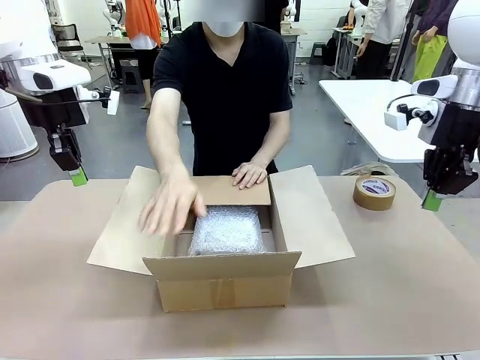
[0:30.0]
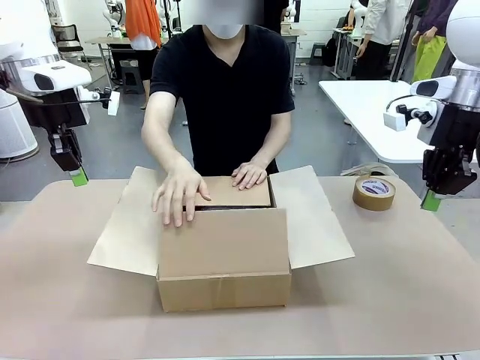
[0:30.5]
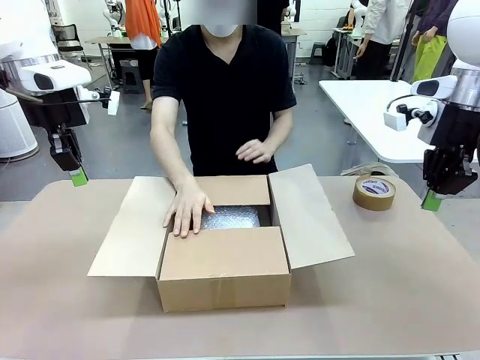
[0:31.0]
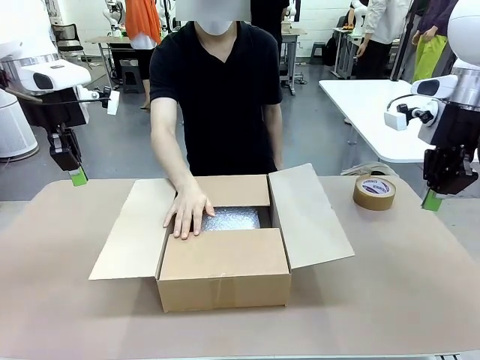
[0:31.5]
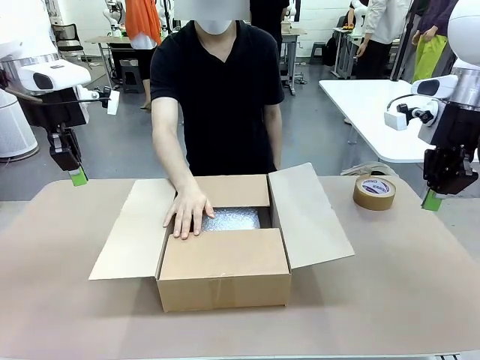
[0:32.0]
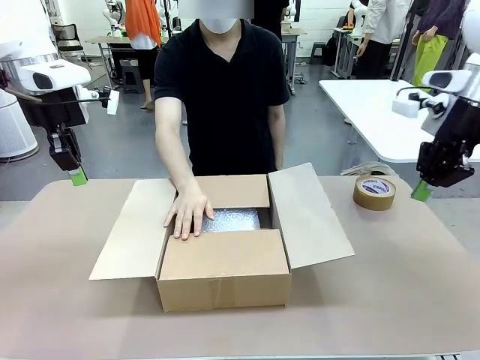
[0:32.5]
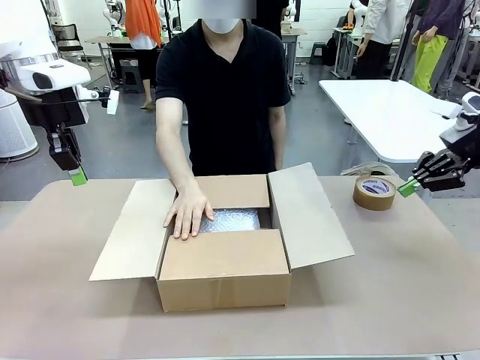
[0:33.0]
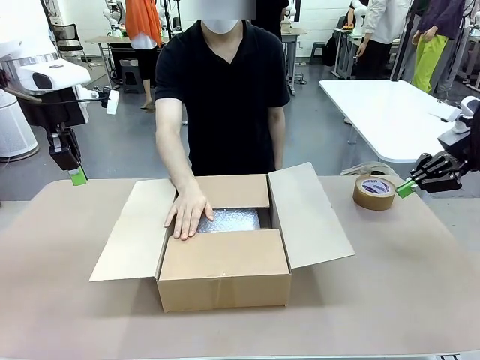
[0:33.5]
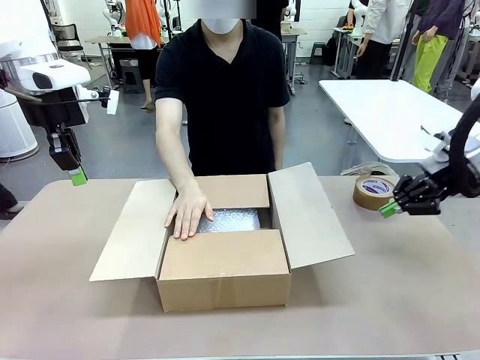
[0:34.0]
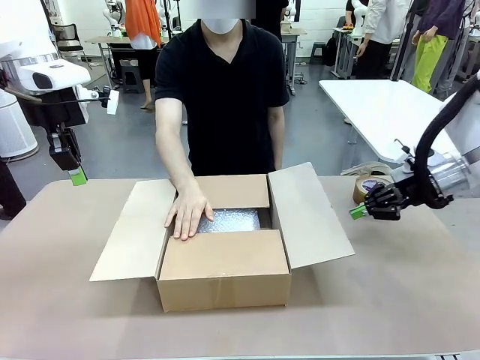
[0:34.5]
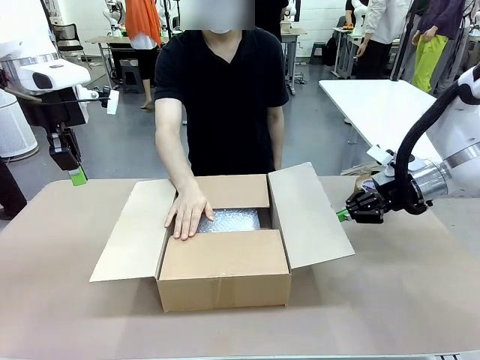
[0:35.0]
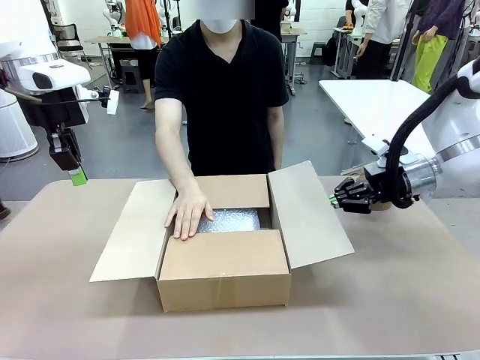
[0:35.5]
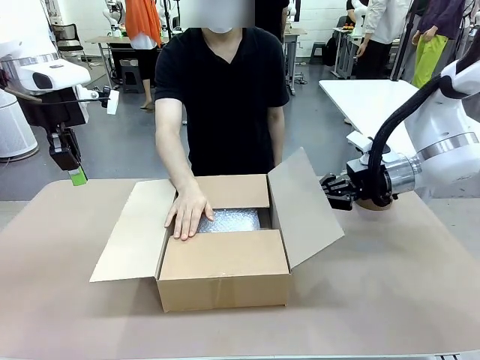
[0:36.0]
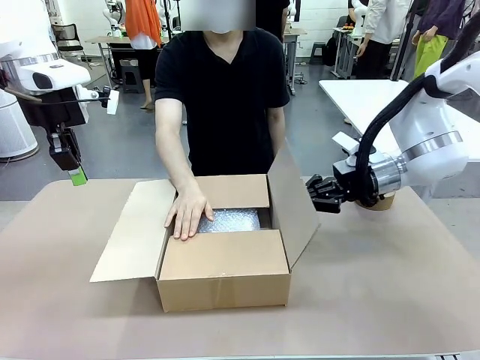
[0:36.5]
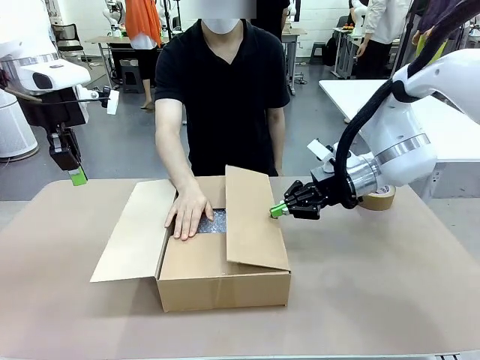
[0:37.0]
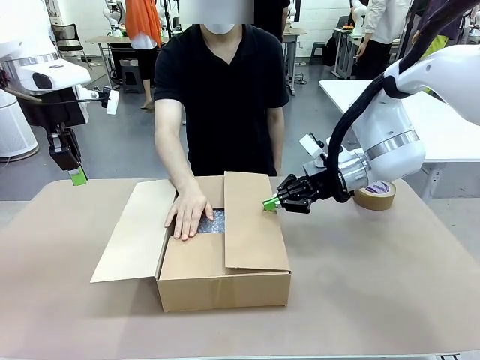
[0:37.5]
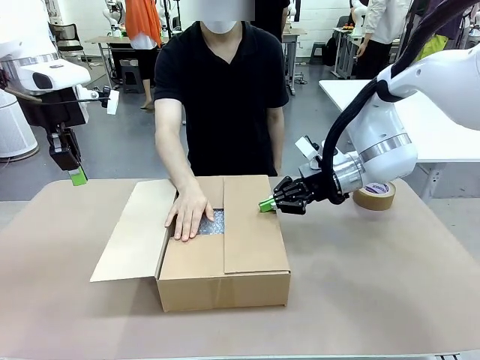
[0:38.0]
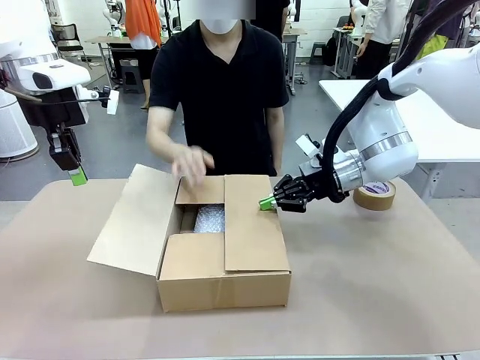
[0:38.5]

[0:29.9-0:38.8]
Task: Wrap the clocks to prevent damage.
Robot: Push the right (or left) flap of the Package Box to close it.
Person: Once the robot closes the right flap of the Package Box , release your left hand from the box.

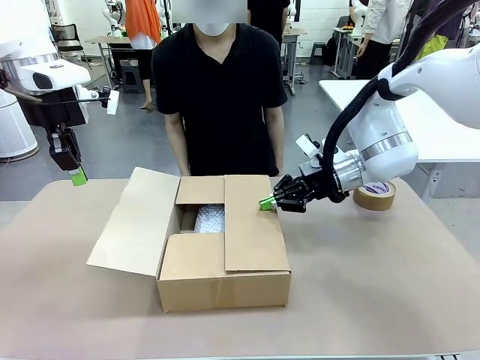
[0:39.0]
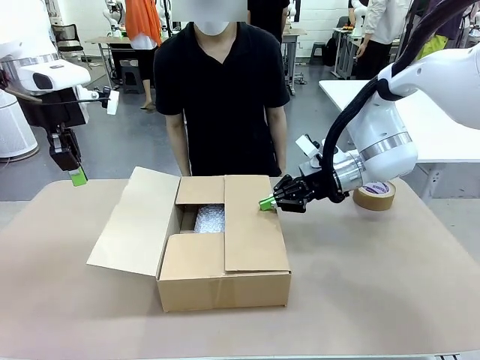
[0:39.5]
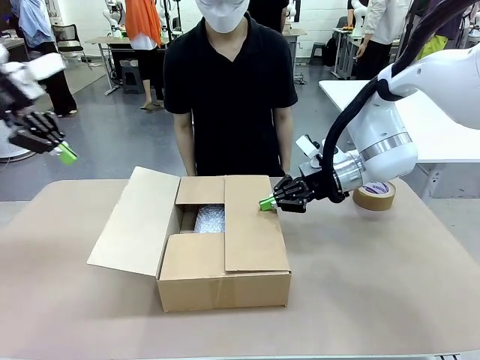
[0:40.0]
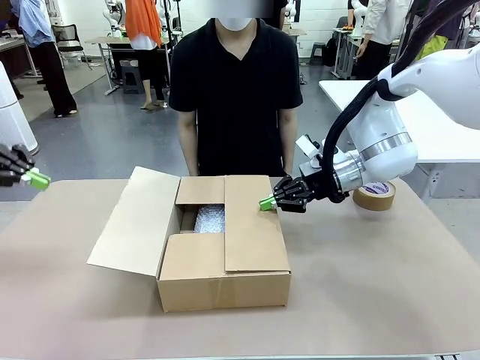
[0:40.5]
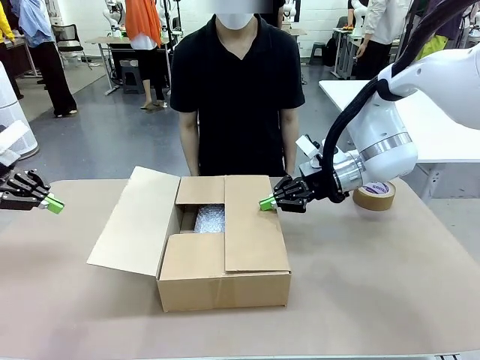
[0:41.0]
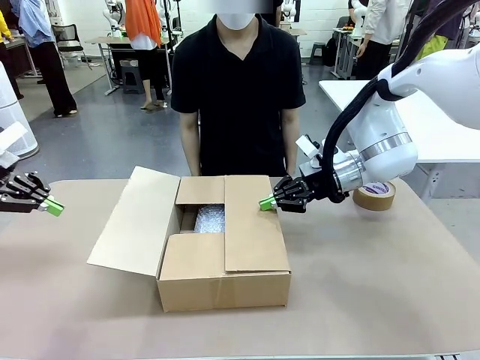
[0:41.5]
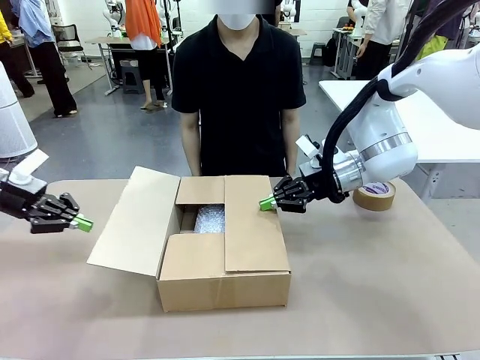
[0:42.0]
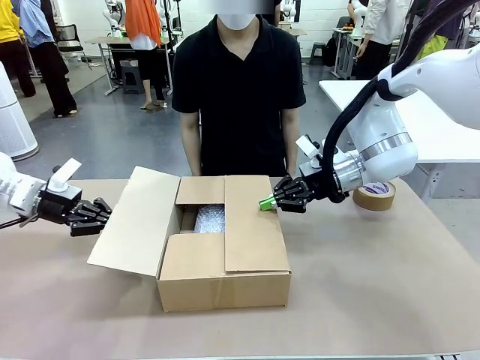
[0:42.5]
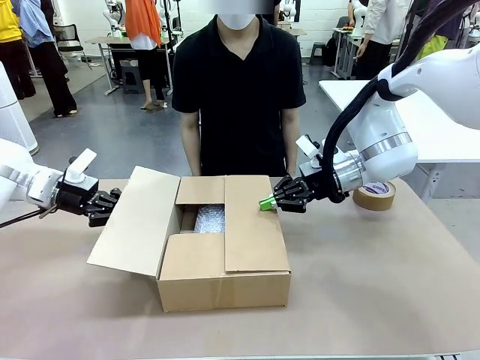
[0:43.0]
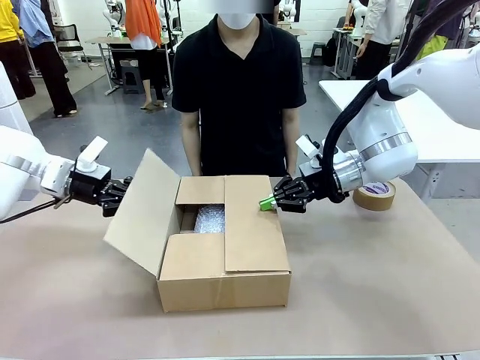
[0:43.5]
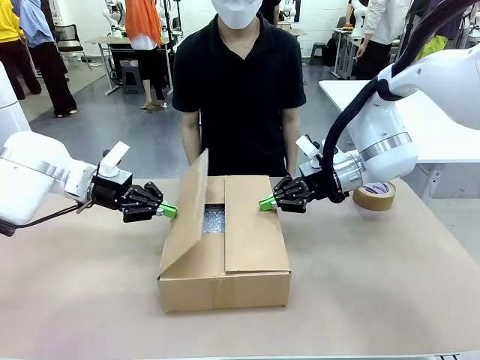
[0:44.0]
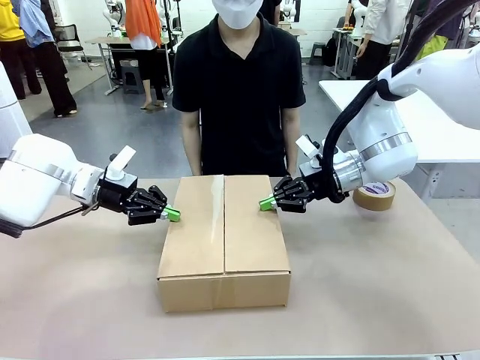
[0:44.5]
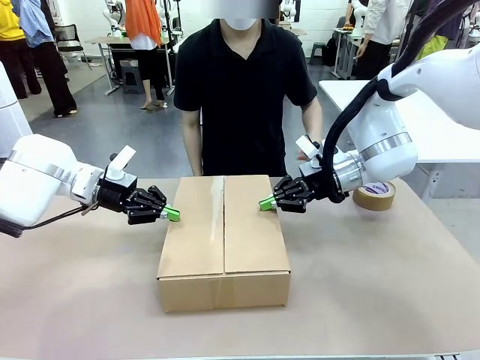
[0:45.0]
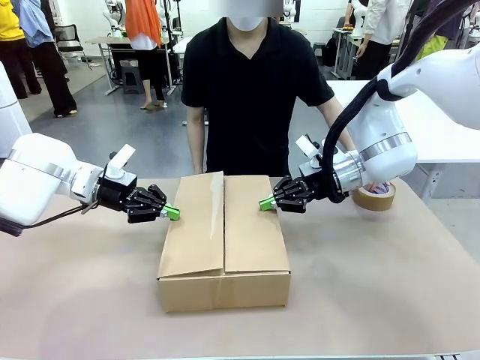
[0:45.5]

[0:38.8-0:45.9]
Robot: Push the left (or right) flap of the Package Box to close it.

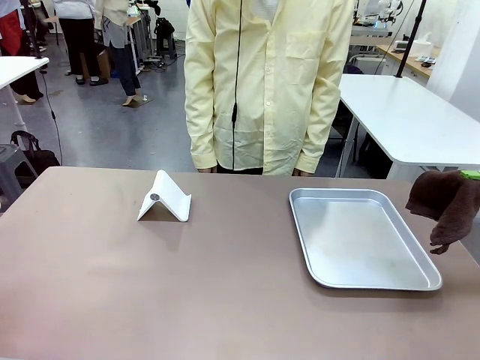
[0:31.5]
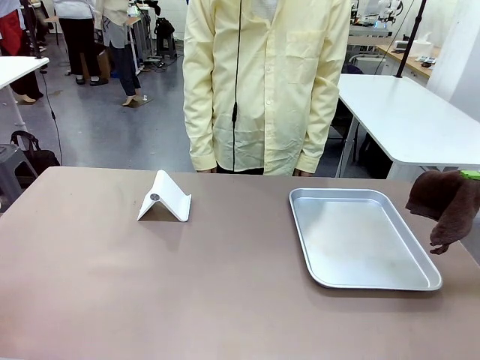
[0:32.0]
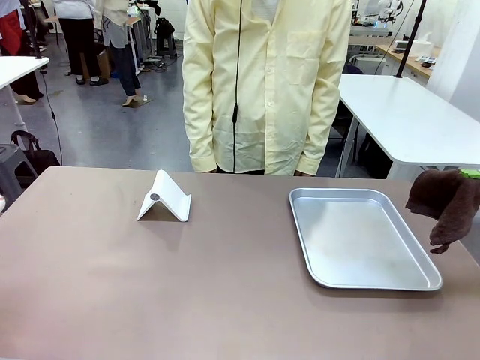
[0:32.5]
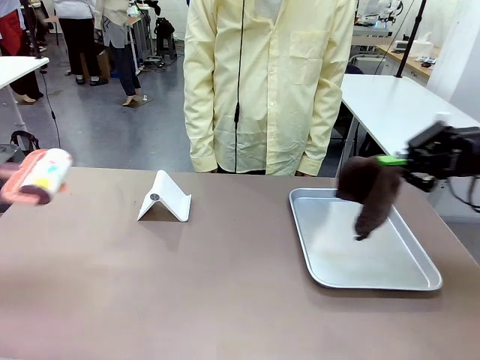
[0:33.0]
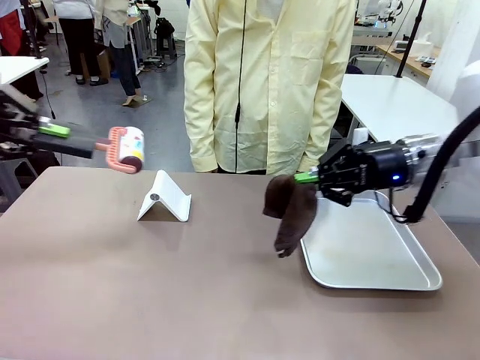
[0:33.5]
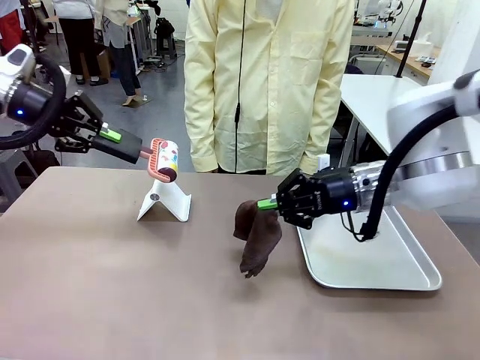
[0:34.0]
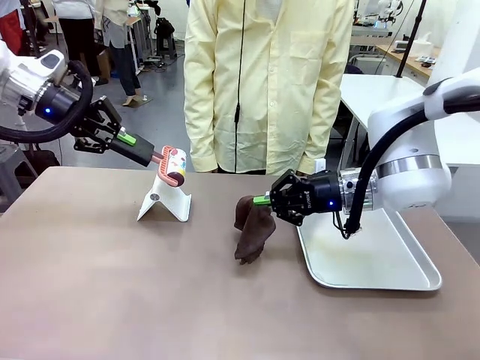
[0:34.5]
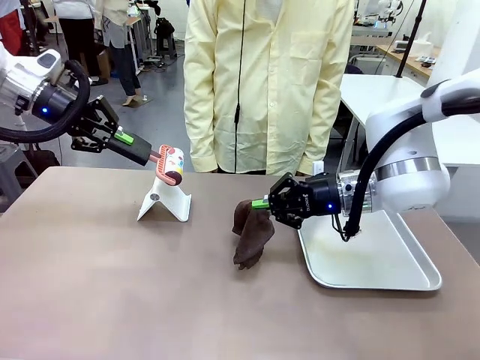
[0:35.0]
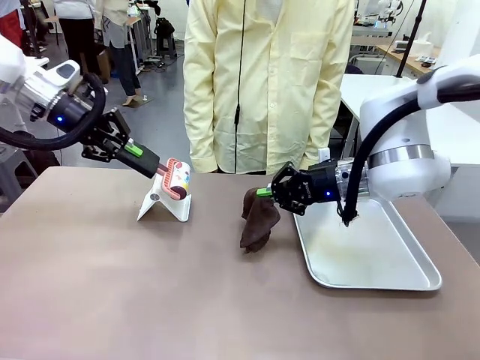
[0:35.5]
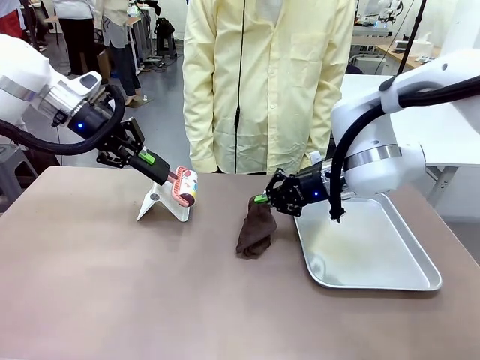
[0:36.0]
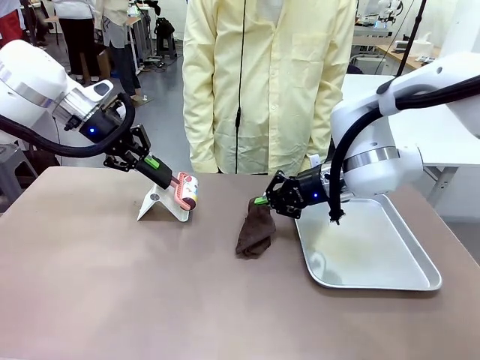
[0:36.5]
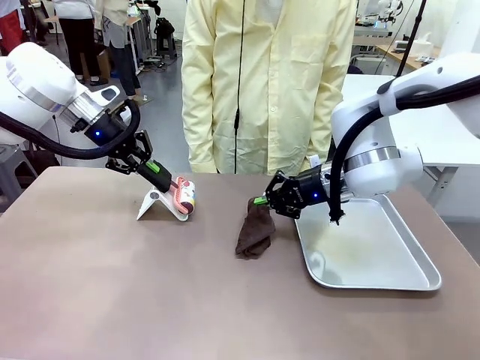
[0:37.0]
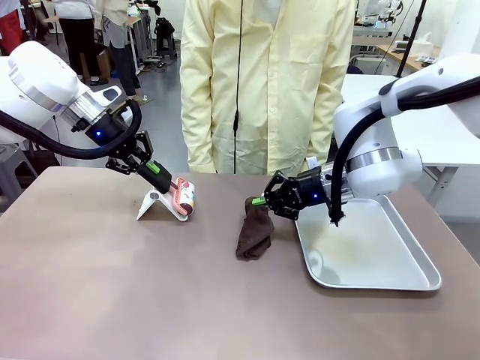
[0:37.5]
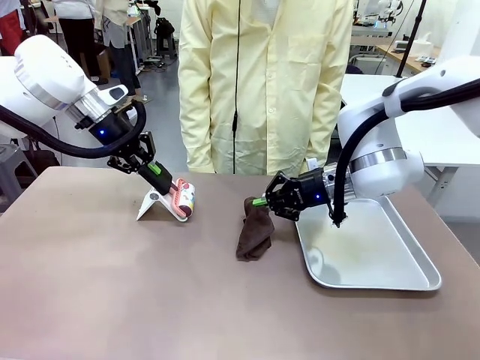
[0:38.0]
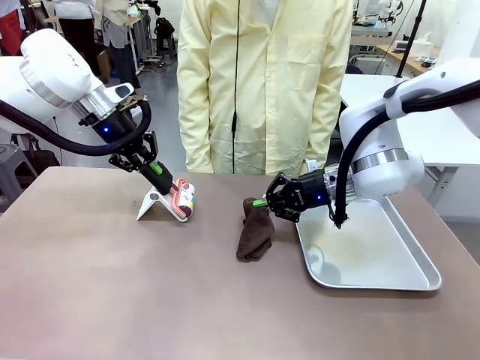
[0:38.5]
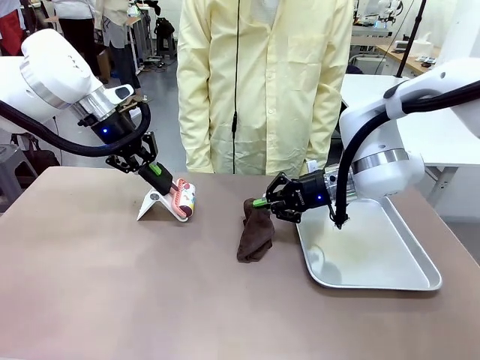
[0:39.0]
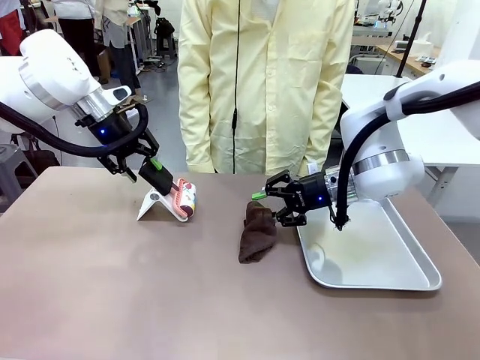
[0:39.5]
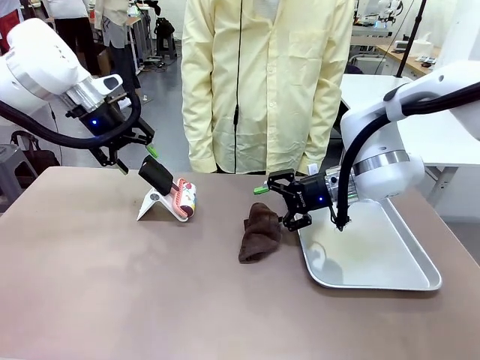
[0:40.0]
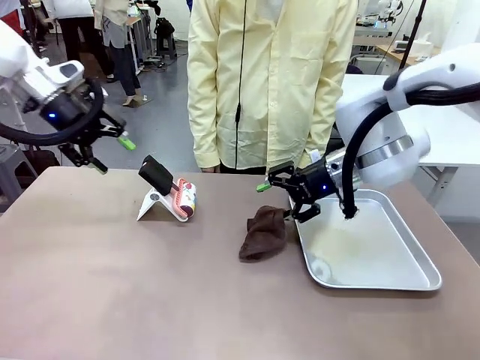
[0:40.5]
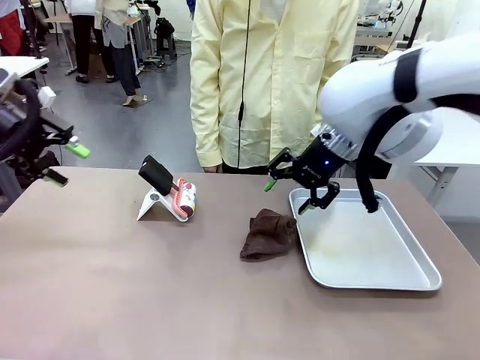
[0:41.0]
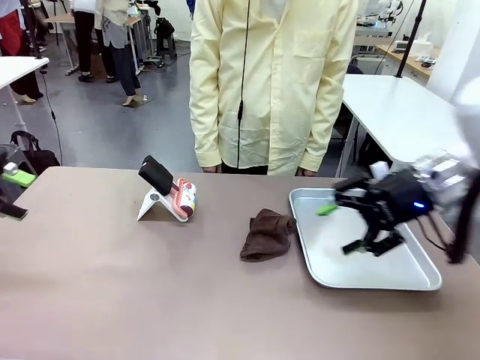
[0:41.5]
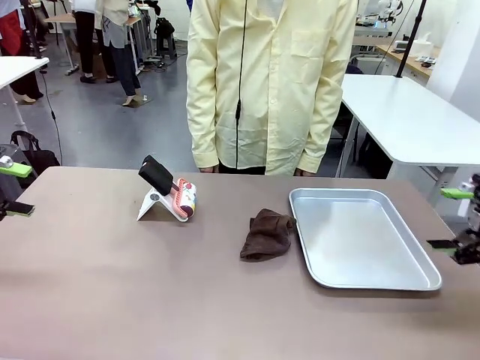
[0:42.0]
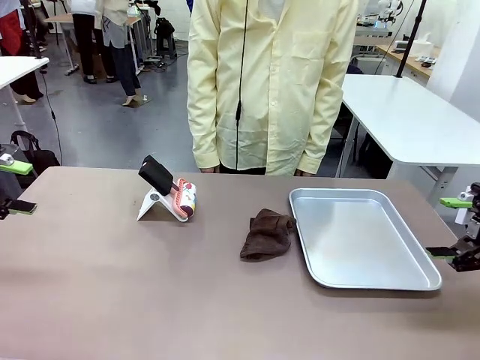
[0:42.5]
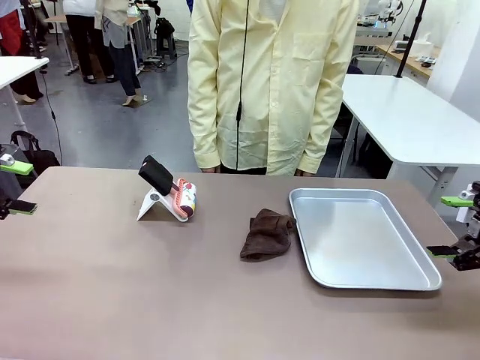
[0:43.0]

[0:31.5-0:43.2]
Task: Clean the surface of the table.
Robot: Return the Lint Roller and towel to their original positions.
